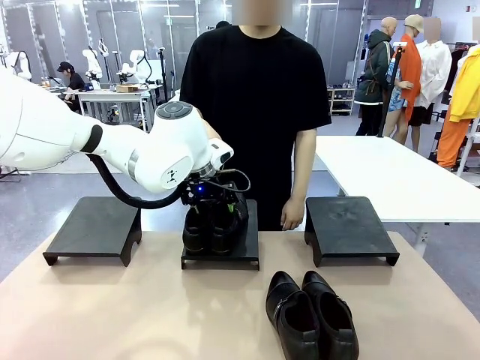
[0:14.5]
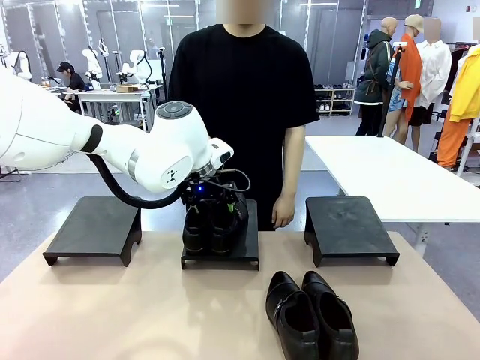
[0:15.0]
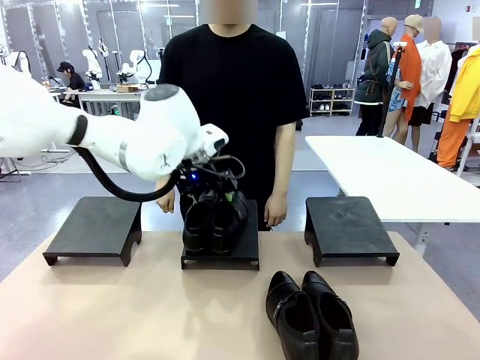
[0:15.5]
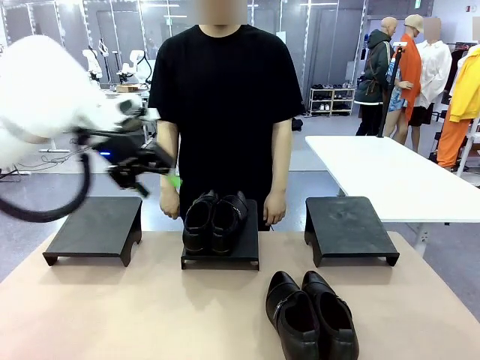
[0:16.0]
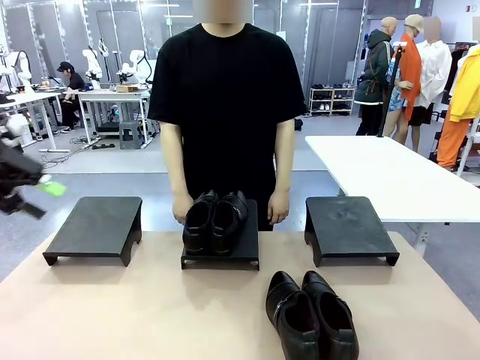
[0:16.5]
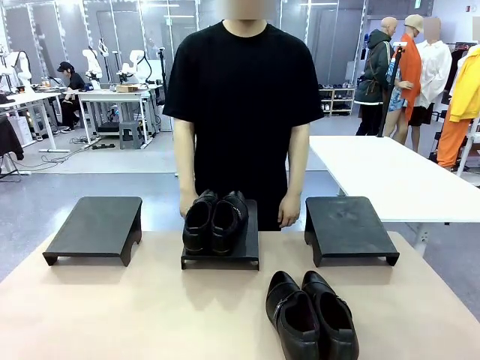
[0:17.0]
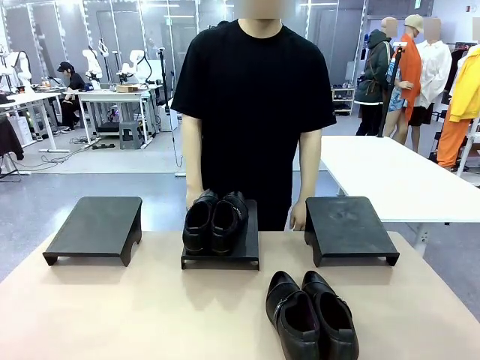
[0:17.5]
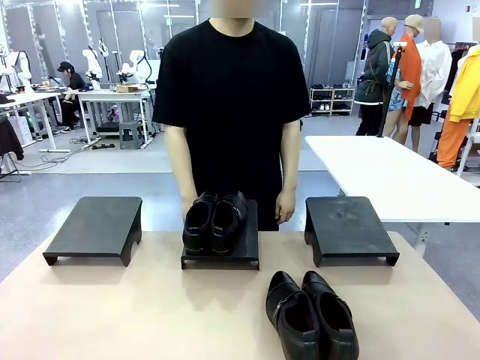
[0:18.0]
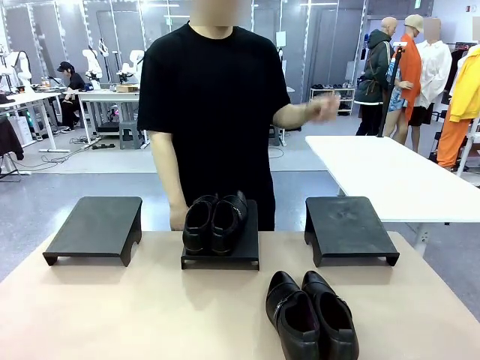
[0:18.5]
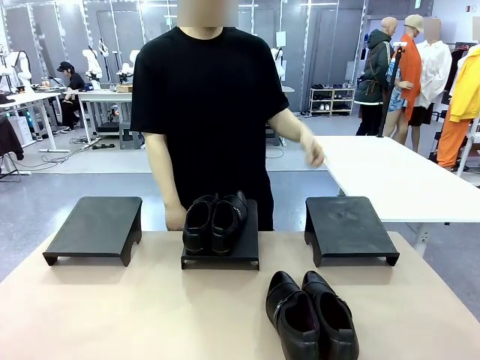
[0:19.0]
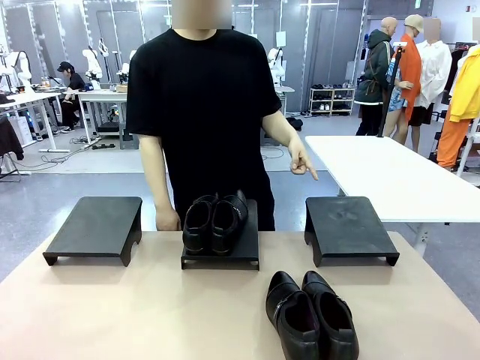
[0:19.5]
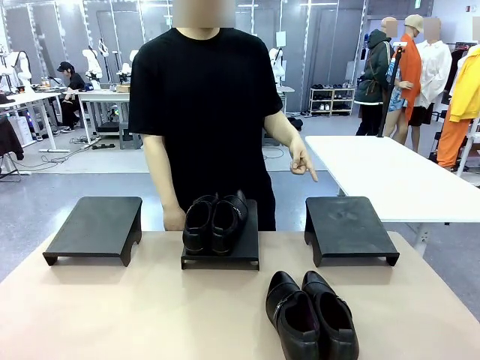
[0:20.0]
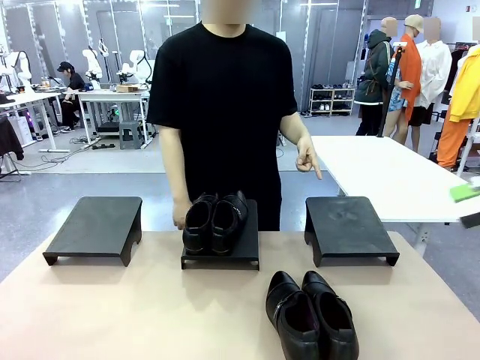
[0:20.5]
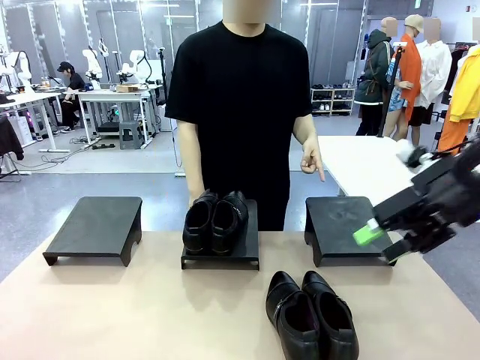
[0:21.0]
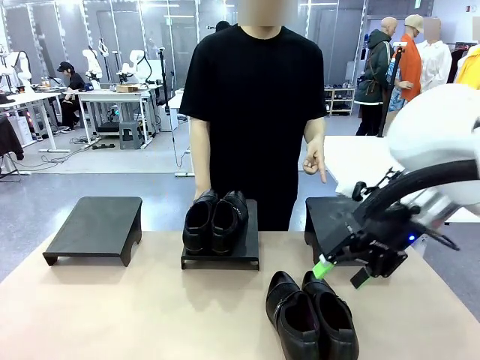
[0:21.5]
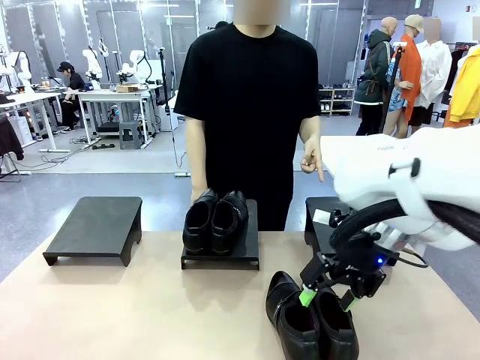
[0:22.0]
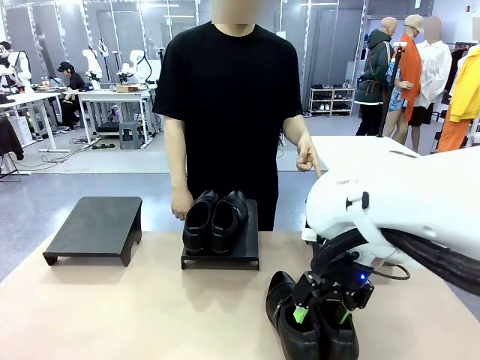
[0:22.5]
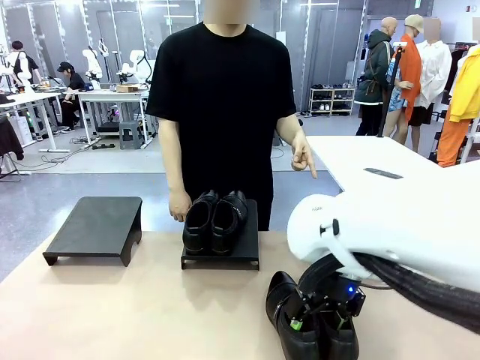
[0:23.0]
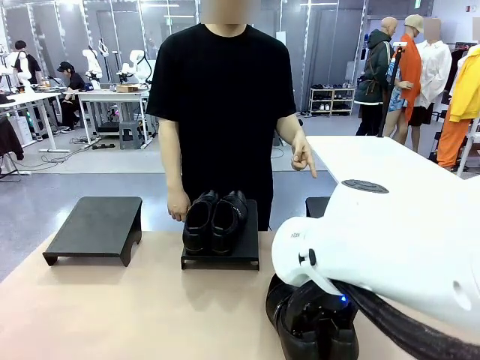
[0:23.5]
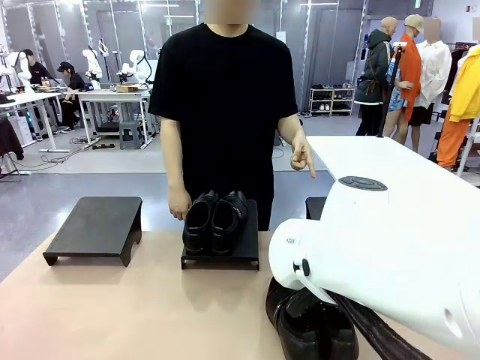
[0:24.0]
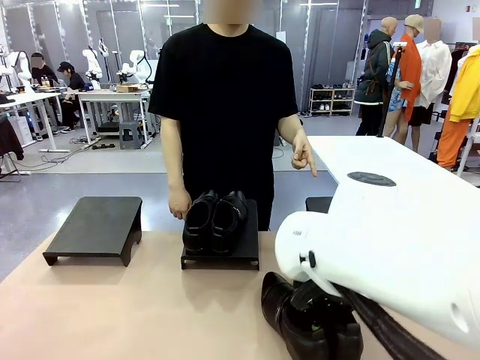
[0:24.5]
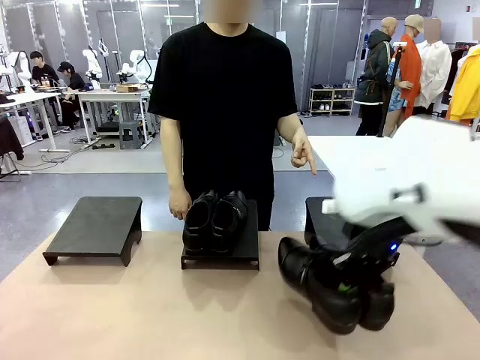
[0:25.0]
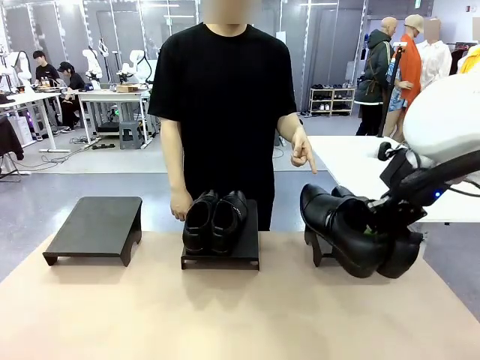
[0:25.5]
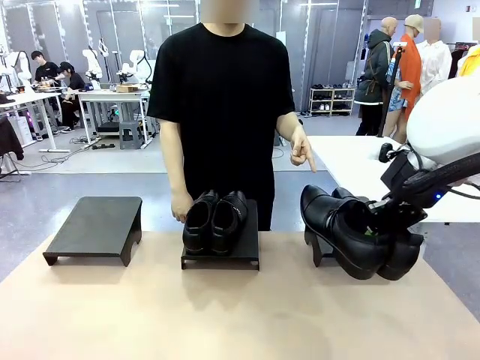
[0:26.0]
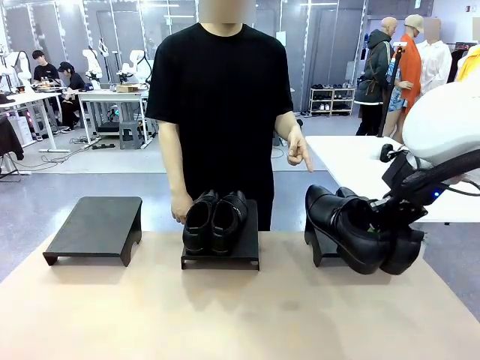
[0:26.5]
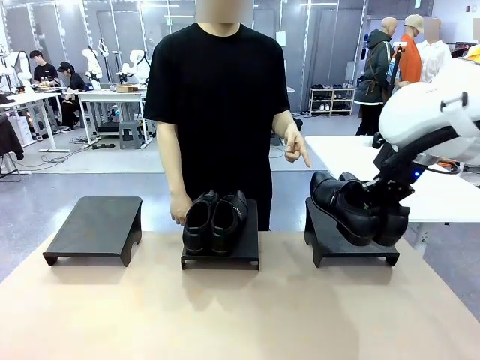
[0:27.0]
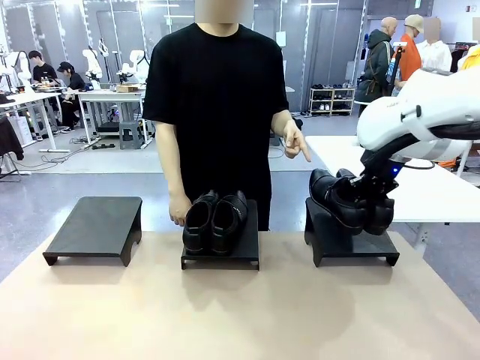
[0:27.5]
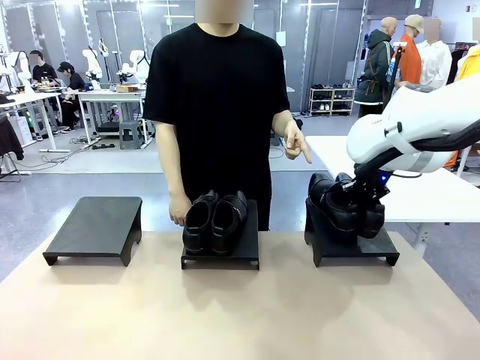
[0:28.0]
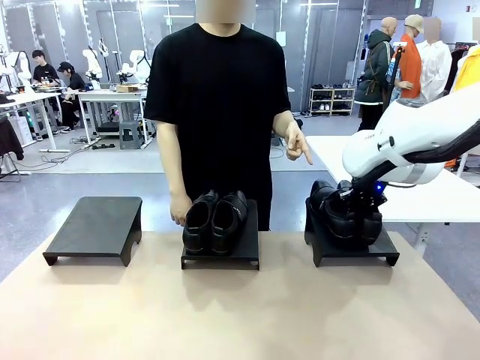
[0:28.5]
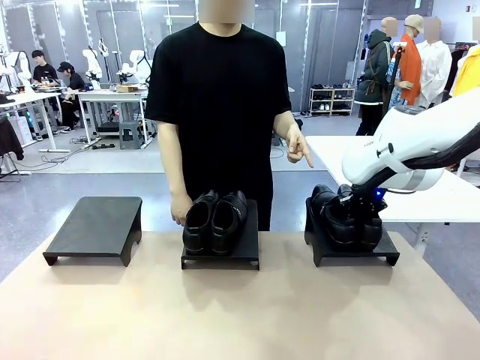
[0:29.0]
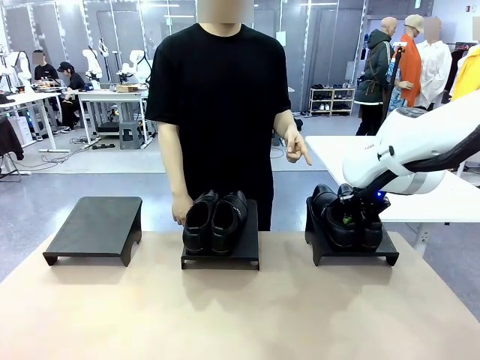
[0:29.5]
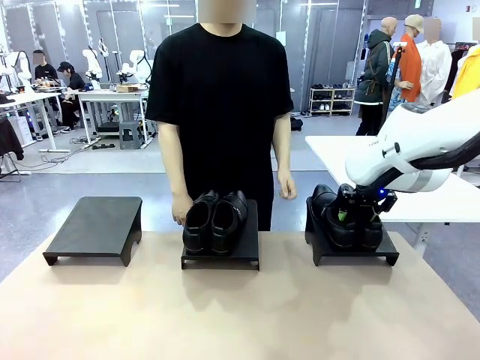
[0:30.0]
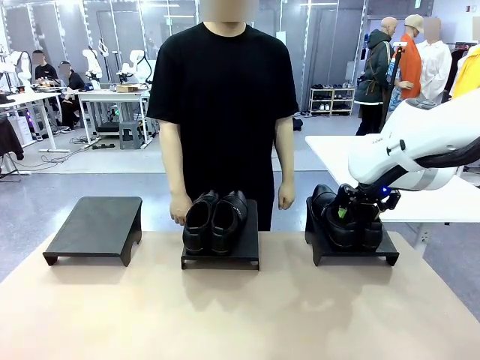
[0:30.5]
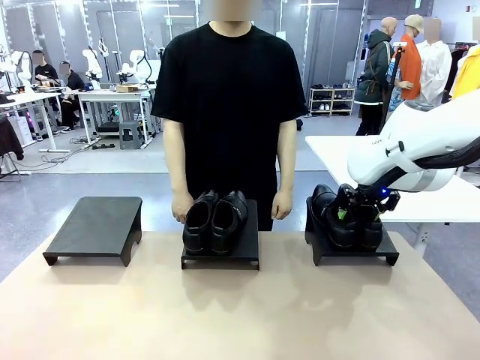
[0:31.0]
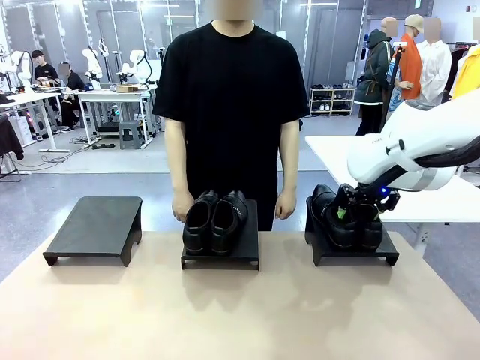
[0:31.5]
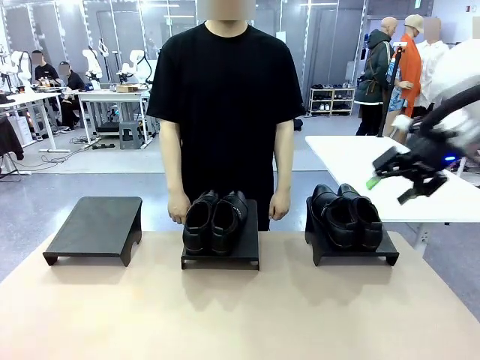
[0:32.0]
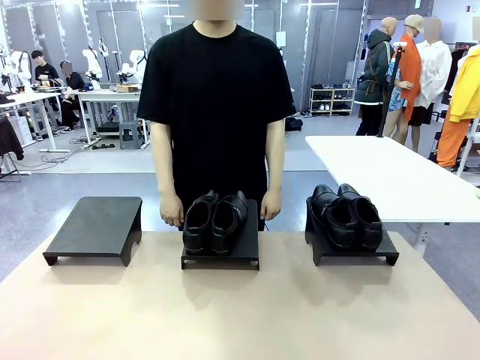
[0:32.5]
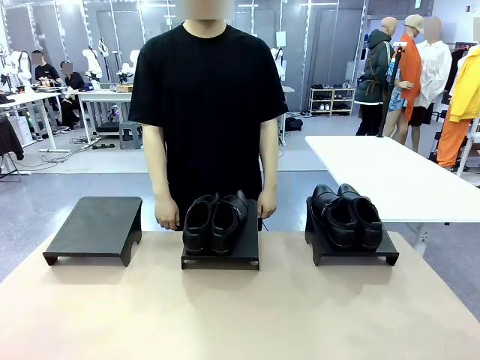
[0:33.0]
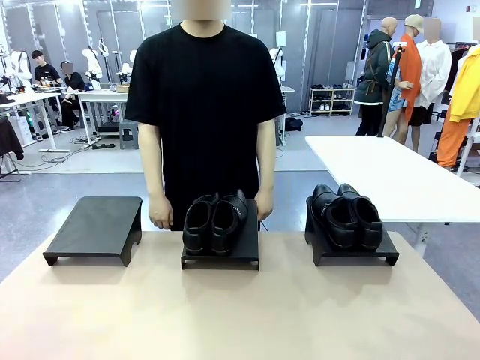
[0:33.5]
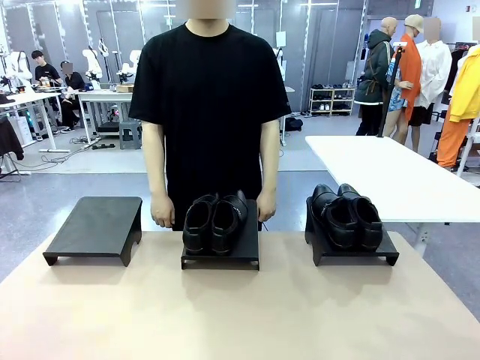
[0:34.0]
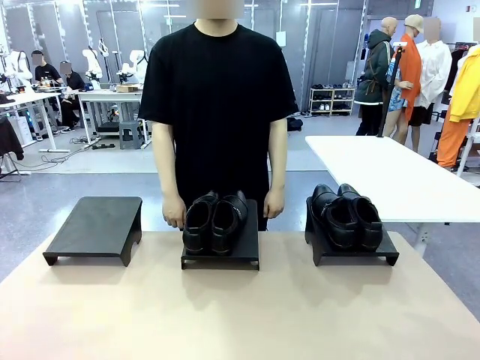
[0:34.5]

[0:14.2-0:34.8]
Task: Place the shoes on the stand as instructed by the person.
Robot: Pick up another pair of Shoes and place it on the Shoes Stand indicated by the person.
Person: Point to one Shoes Stand.

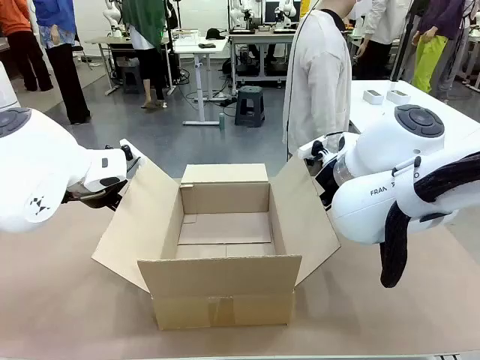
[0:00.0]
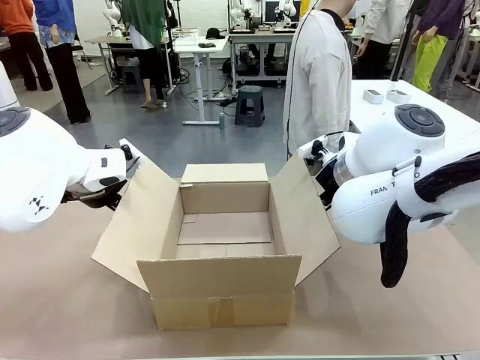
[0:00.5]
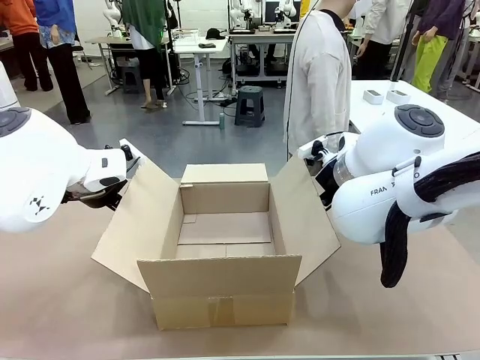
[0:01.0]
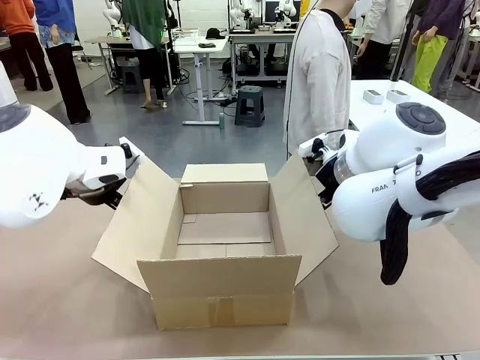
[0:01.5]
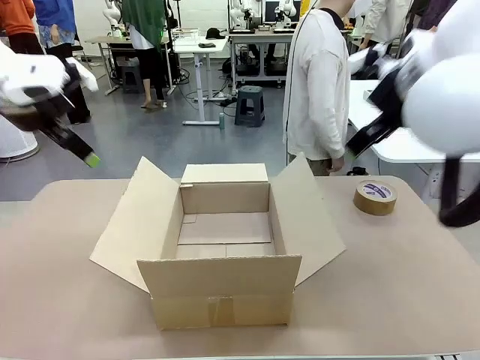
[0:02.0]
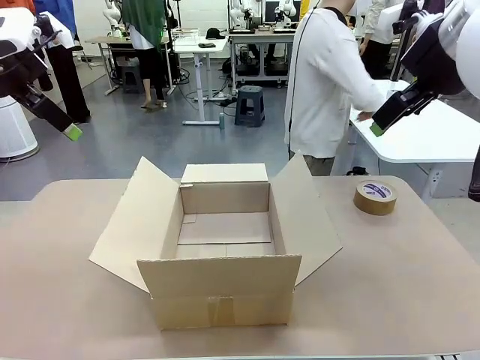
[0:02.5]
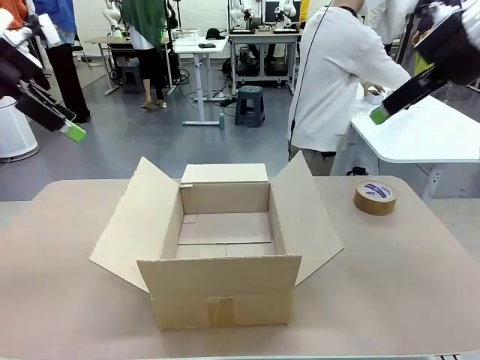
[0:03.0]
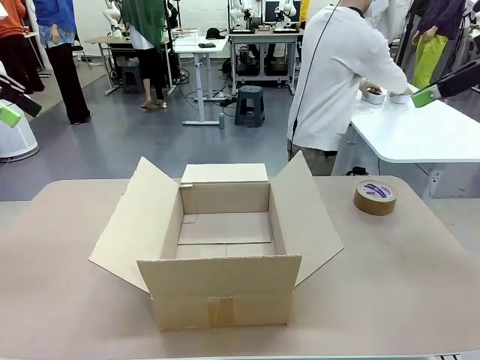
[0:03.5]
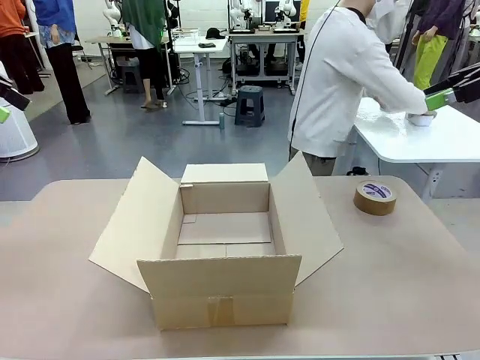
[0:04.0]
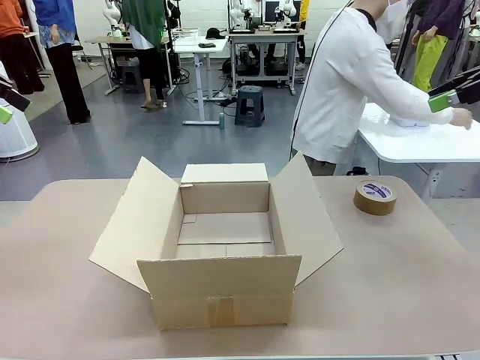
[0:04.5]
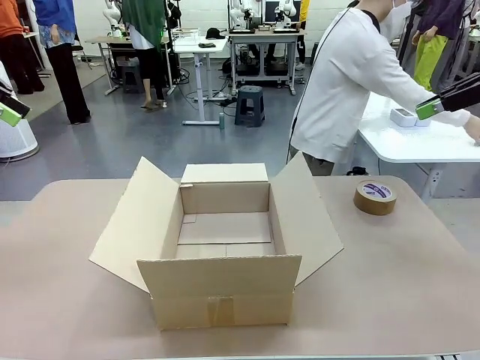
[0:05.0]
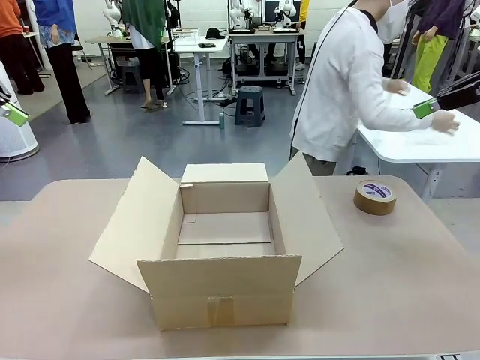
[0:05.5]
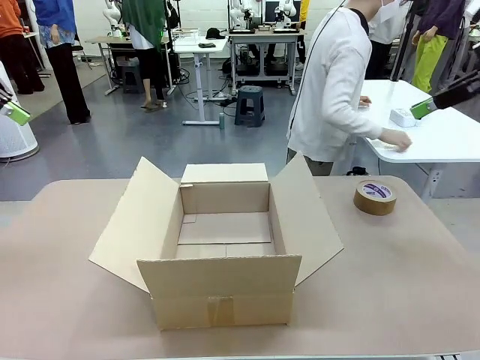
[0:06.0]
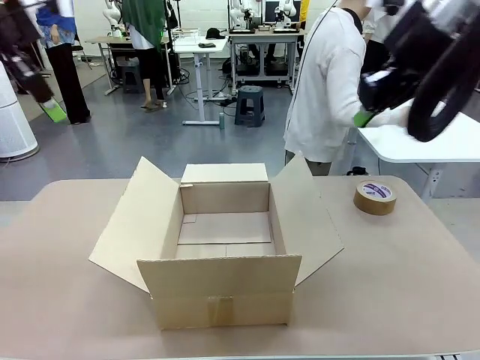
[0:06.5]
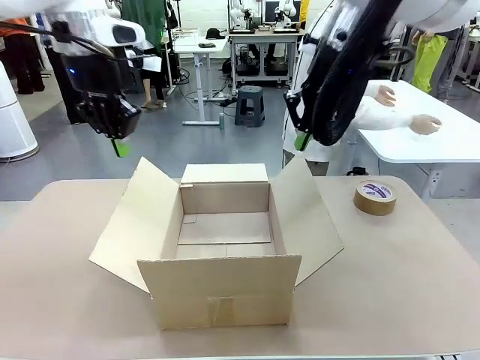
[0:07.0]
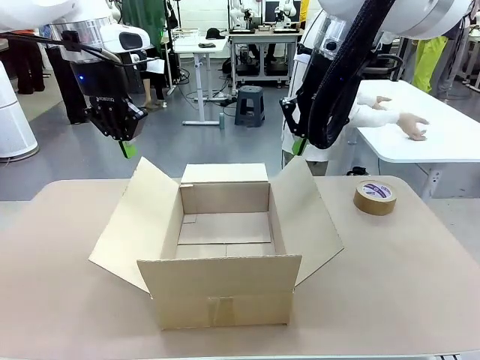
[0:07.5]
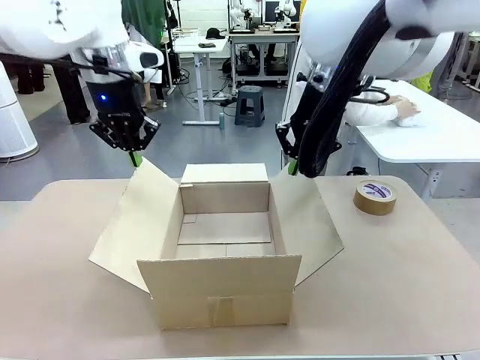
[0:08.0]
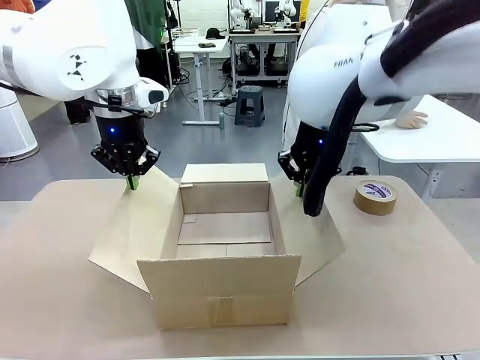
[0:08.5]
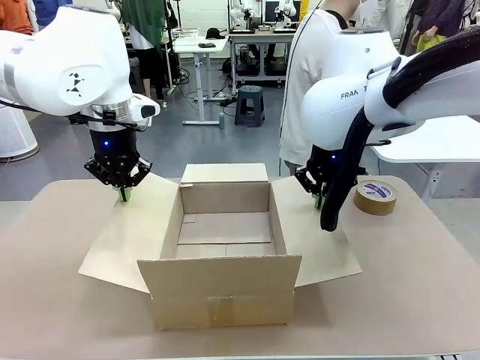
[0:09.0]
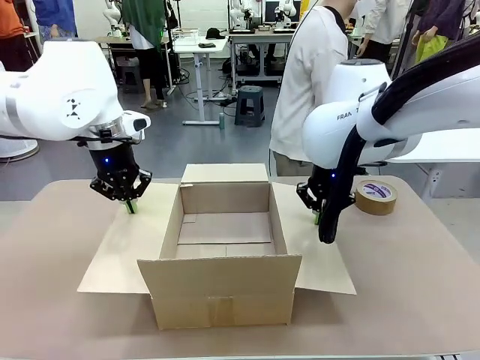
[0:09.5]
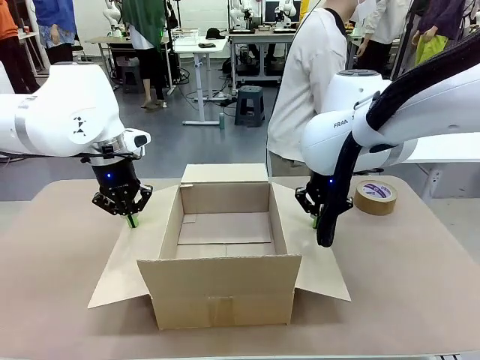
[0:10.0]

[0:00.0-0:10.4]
Task: Wrap the clocks to prevent damage.
Robot: Open the side flaps of the Package Box.
Person: Wrap the two Digital clocks with Bubble Wrap.
